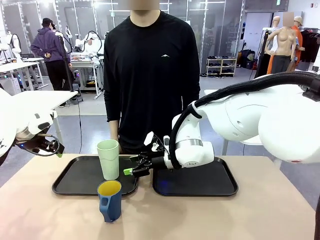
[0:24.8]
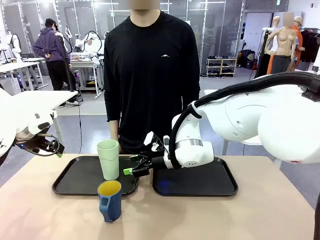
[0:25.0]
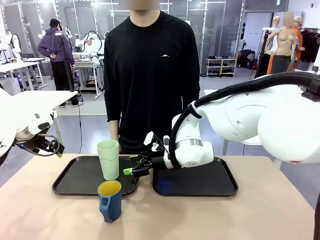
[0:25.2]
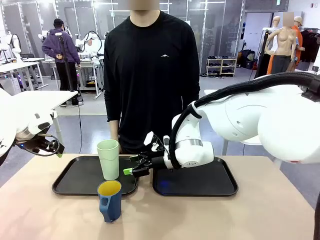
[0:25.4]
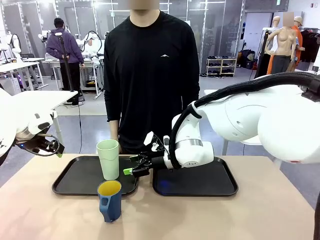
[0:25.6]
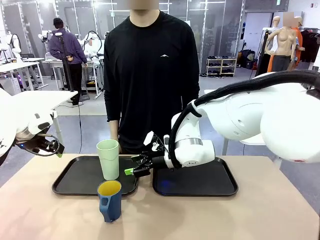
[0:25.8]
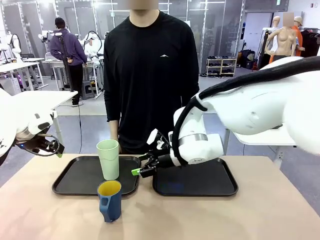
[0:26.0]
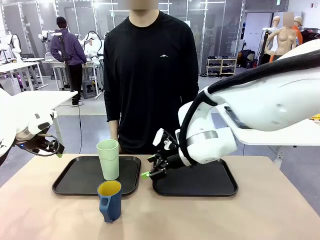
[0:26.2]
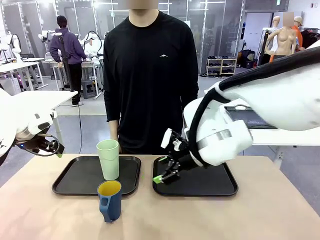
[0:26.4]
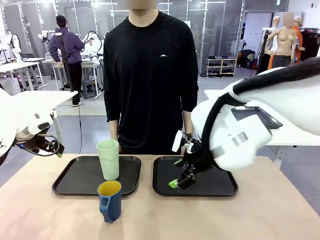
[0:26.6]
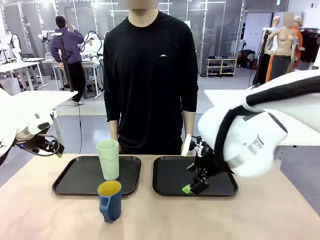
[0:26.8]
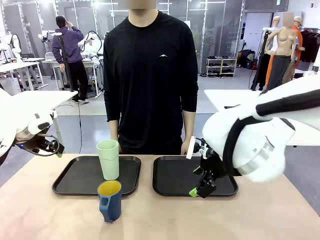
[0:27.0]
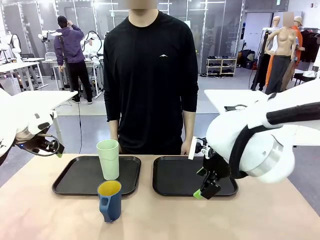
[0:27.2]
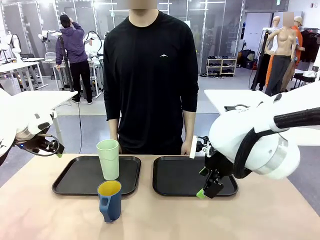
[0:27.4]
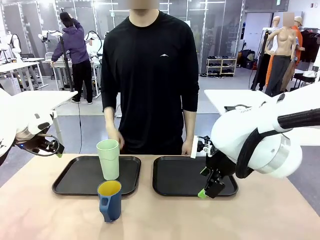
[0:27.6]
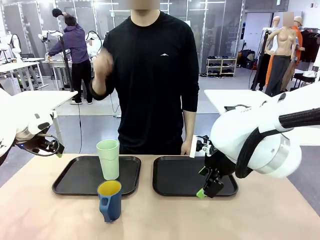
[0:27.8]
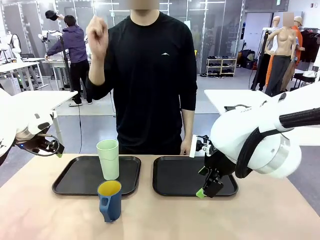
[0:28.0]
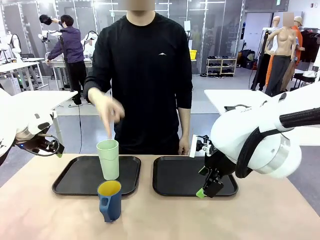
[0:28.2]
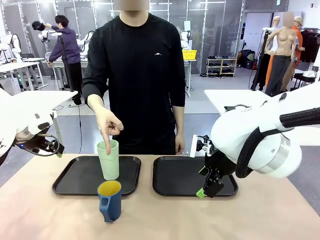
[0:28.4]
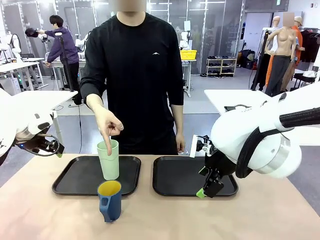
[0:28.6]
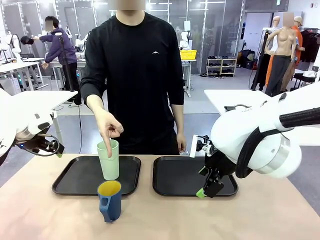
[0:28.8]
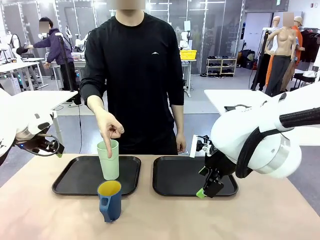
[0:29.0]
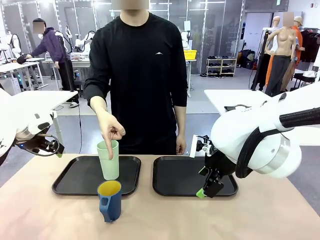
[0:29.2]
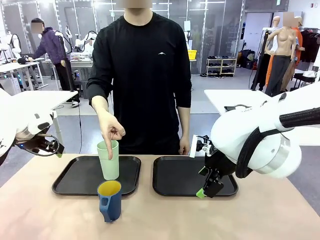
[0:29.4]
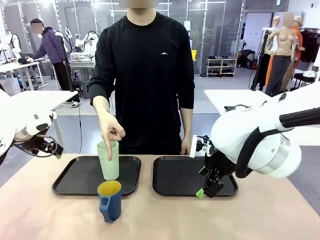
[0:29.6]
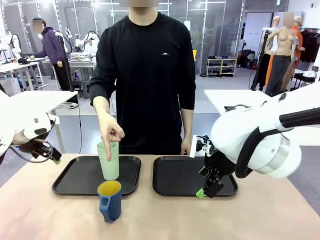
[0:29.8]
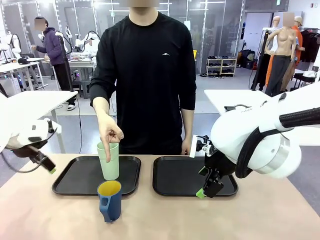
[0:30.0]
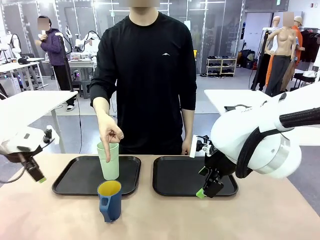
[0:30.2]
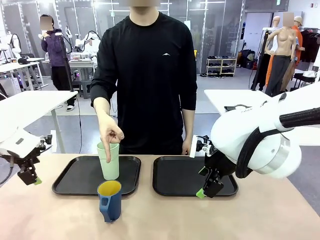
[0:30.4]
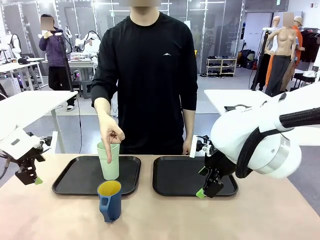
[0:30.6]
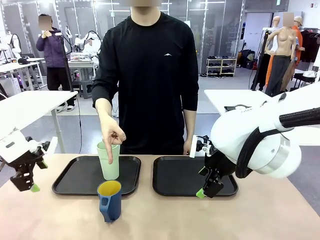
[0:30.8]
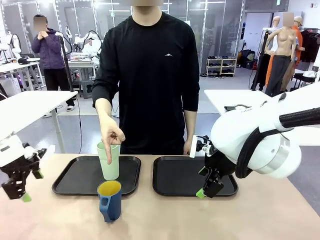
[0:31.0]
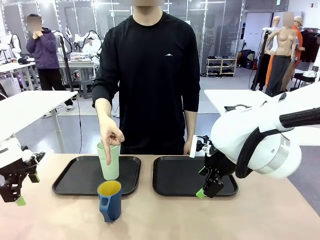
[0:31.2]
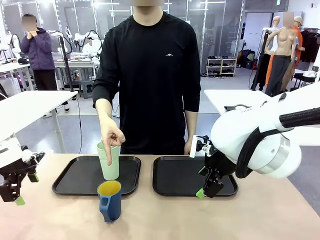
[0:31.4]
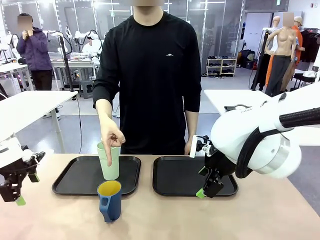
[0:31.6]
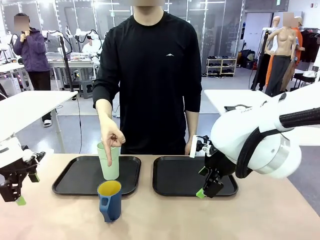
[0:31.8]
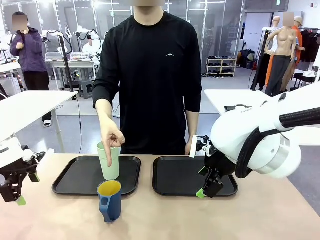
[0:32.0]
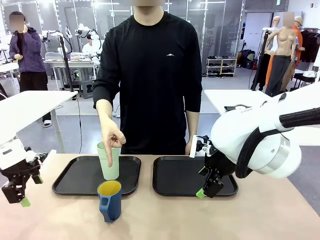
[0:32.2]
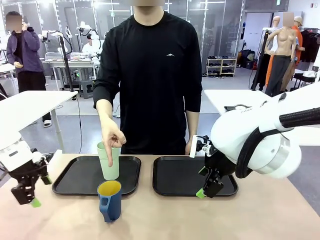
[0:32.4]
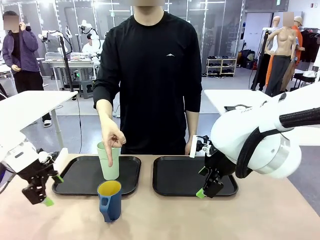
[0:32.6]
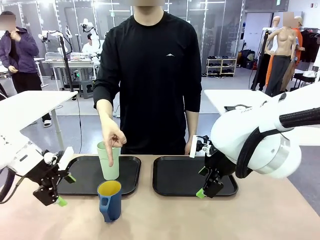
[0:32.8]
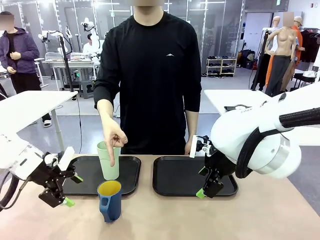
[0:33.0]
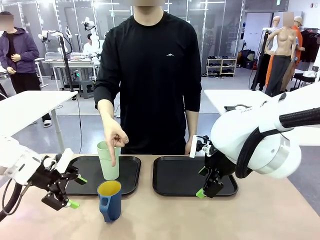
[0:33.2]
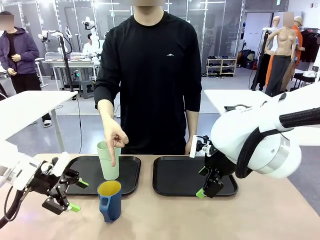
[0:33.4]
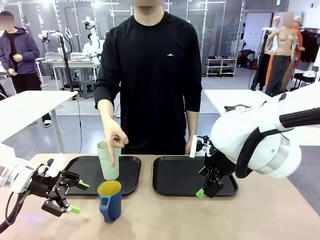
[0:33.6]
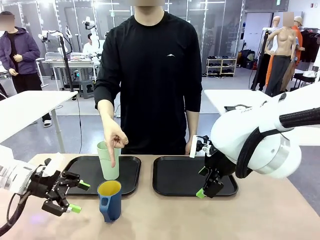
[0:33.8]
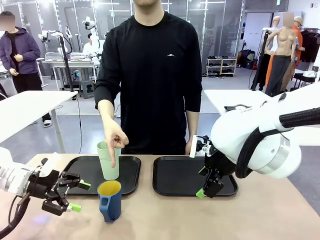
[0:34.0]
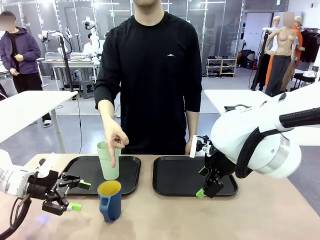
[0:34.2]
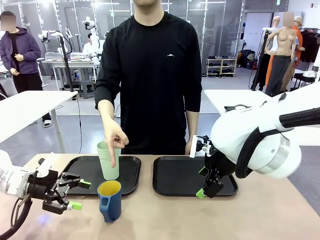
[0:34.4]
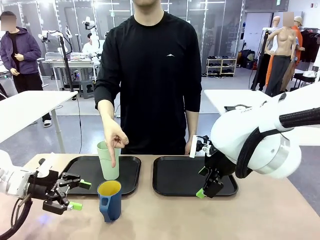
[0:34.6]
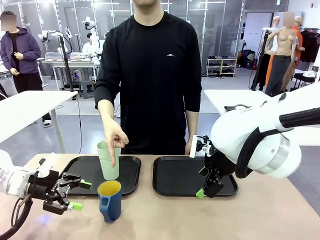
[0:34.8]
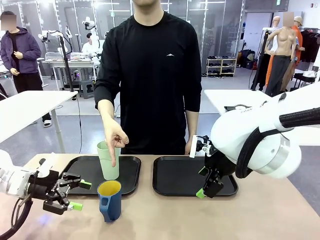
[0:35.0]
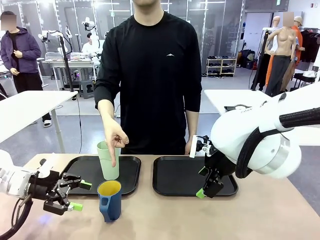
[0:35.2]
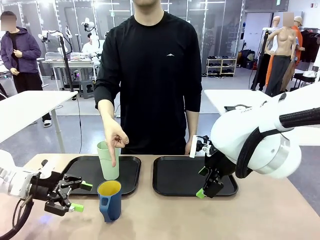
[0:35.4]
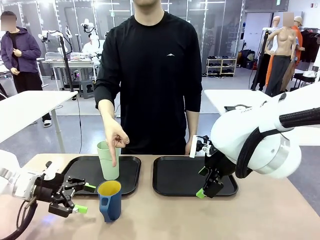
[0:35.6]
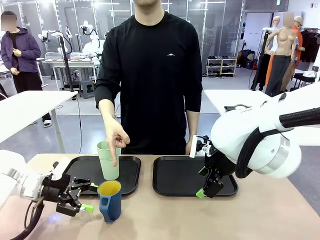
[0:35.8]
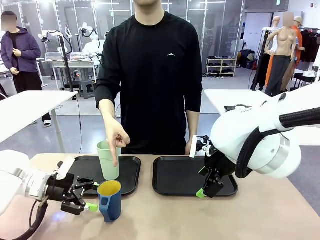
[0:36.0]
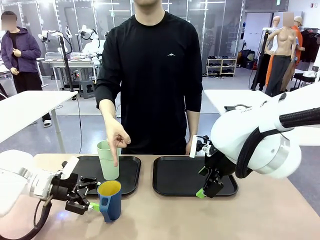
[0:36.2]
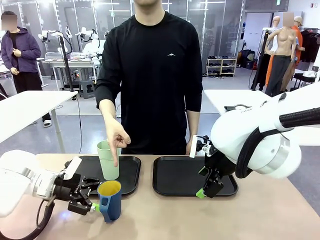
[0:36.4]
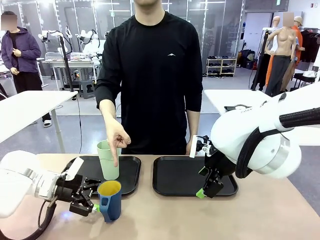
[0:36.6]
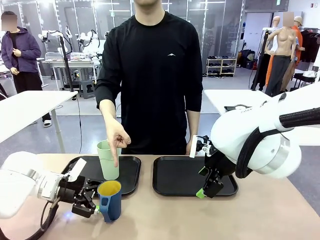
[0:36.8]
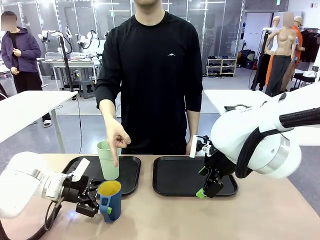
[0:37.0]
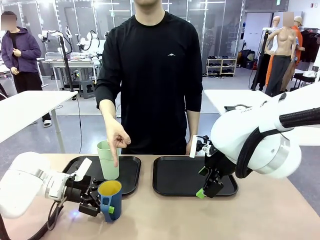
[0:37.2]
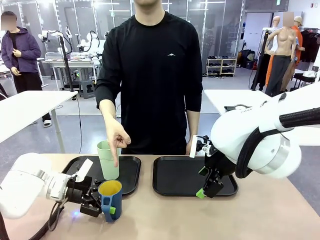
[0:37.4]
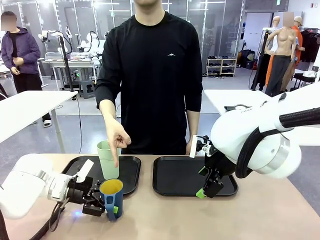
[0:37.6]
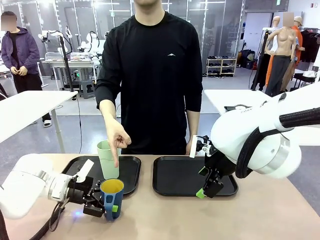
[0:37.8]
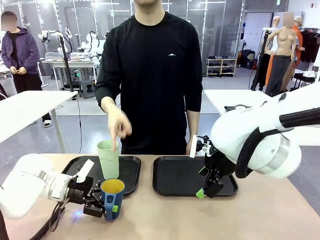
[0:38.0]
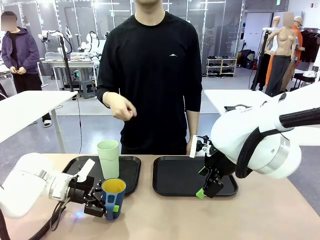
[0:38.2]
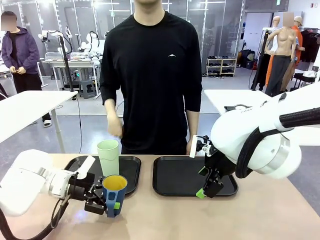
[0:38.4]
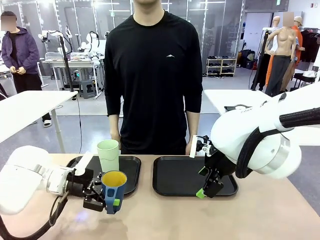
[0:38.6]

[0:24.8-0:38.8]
Task: Sort and store the cups by type.
Robot: Pick up the Handle plastic cup and place it into the empty Flat Tray.

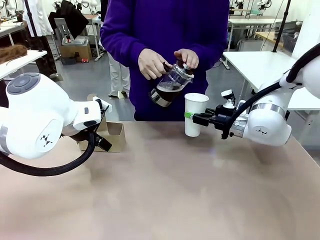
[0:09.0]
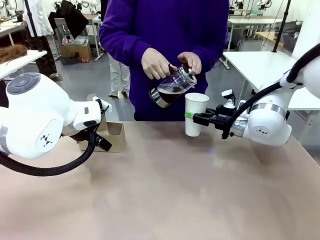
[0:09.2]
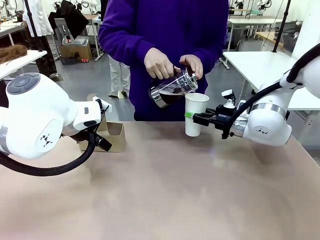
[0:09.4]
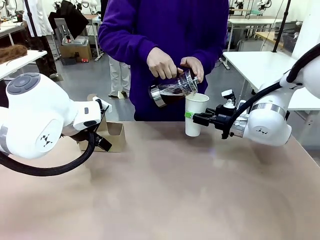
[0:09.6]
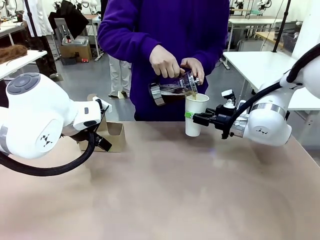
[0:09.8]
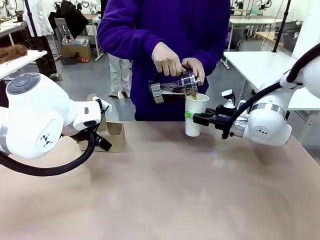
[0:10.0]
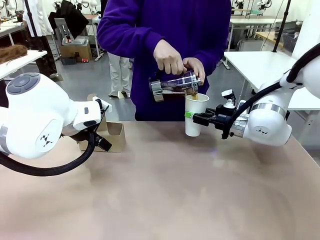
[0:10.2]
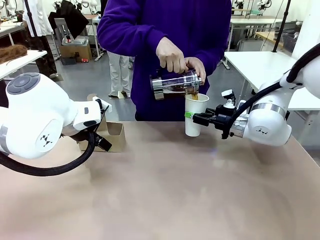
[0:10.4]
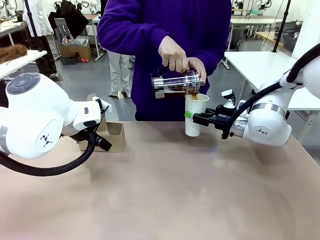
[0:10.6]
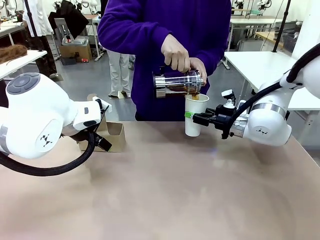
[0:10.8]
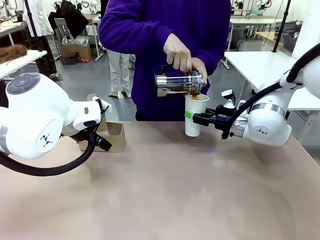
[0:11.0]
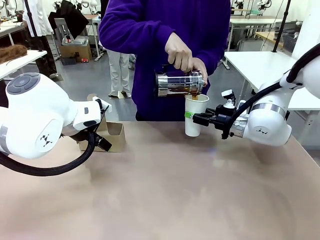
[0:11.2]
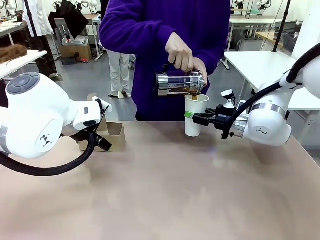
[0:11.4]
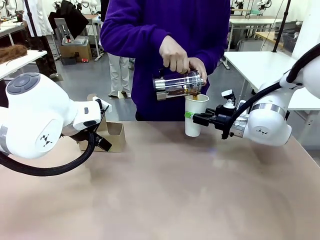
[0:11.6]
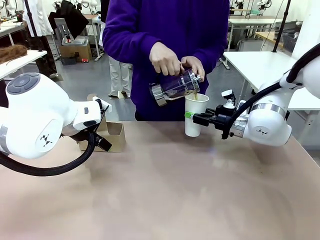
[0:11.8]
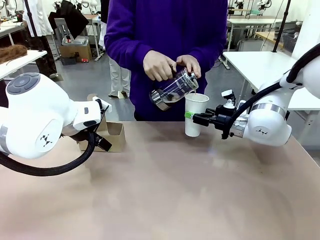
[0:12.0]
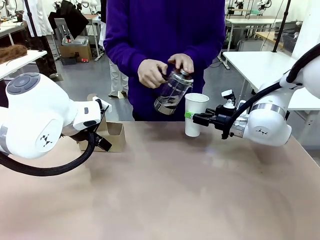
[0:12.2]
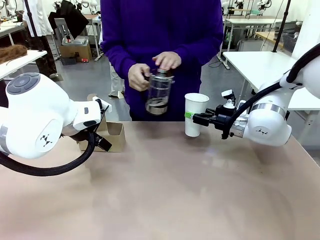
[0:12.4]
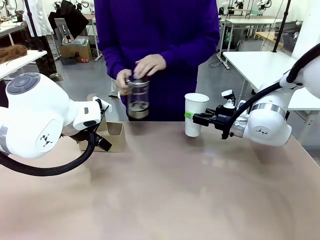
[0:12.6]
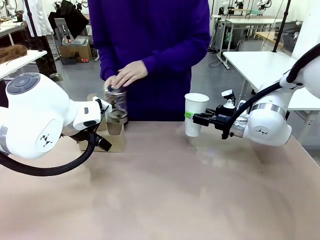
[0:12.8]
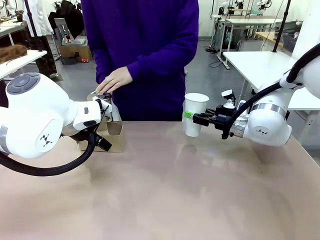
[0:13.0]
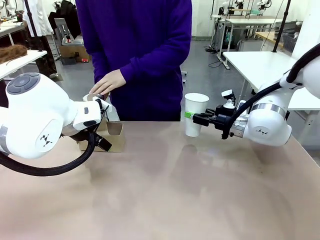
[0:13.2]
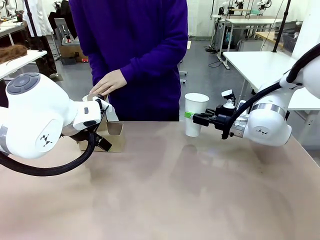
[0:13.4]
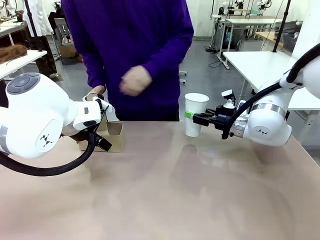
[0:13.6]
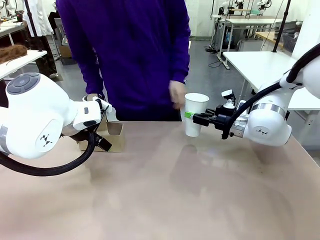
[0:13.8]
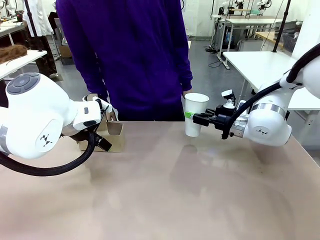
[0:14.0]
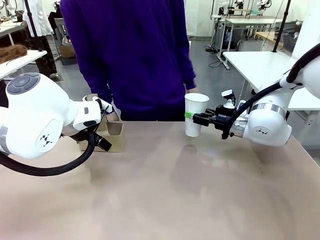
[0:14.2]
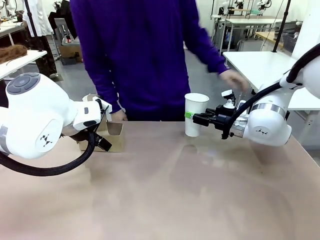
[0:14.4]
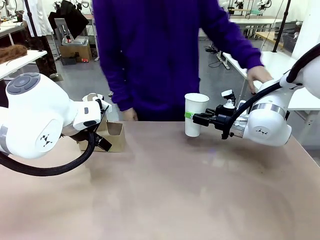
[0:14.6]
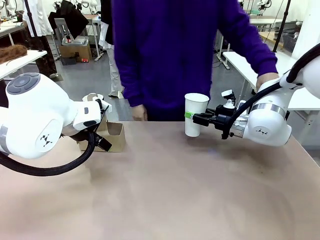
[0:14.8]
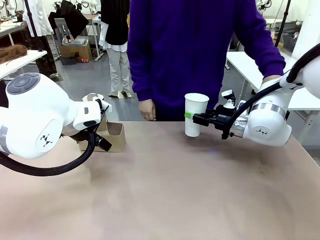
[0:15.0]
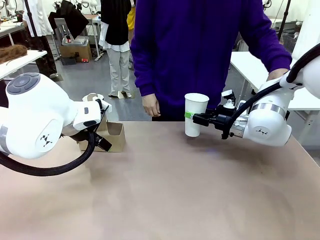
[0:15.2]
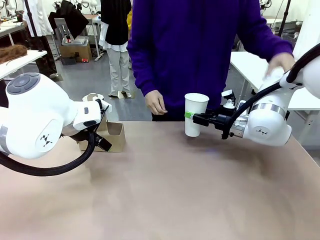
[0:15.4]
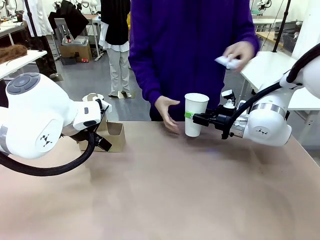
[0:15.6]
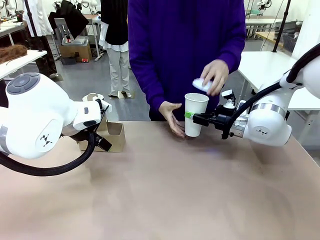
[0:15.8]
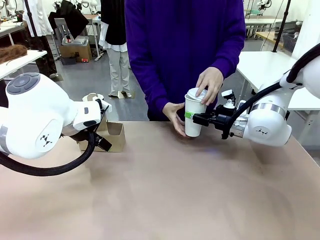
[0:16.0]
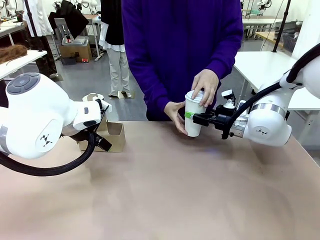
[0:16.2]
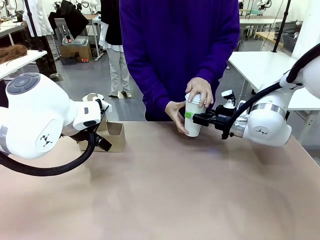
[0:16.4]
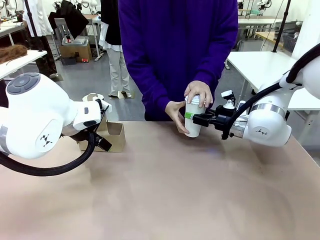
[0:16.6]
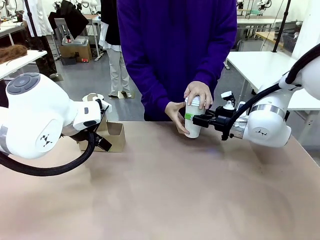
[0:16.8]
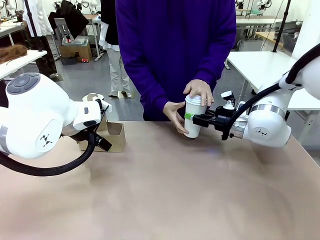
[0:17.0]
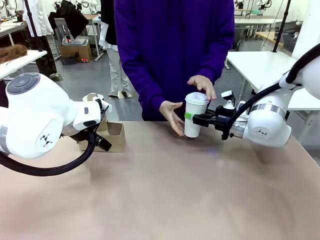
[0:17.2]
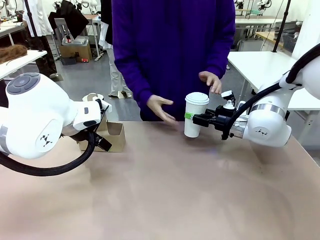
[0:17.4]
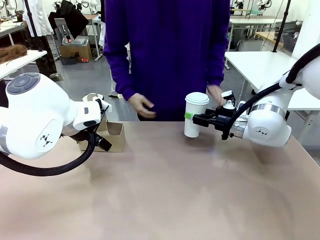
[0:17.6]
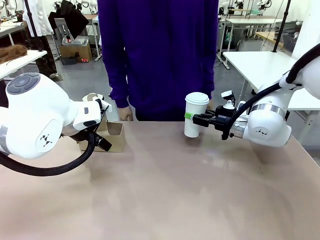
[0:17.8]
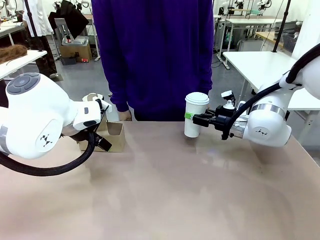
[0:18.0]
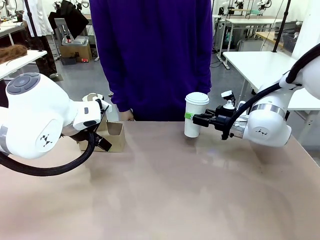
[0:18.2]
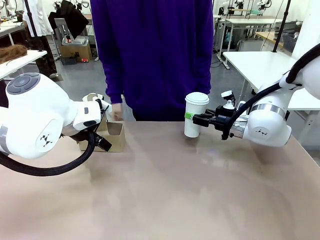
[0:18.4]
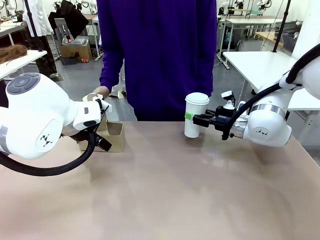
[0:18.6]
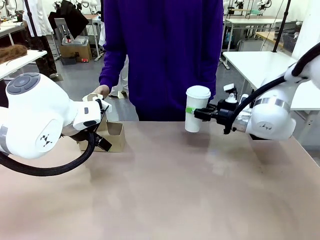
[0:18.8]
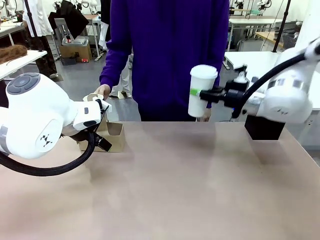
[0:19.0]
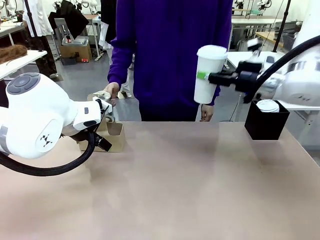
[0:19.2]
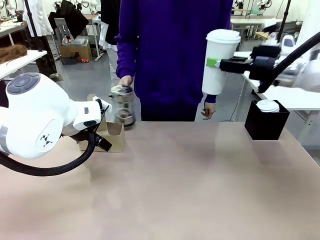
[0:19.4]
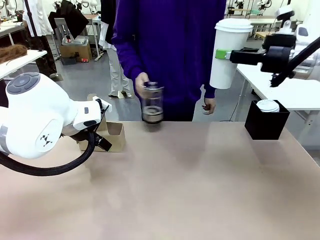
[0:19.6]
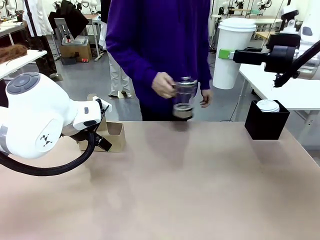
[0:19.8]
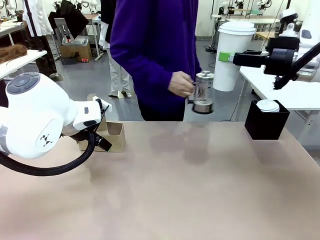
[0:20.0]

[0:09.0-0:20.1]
Task: Pour a drink into a cup and package it in a carrier.
Robot: When a person places the Paper Cup Lid on the 600 ml Paper Cup , lift the 600 ml Paper Cup.
Person: Pour the drink from the Filter Brewing into the 600 ml Paper Cup. Place a Paper Cup Lid on the 600 ml Paper Cup.
